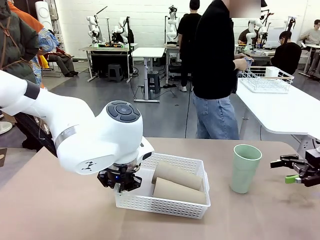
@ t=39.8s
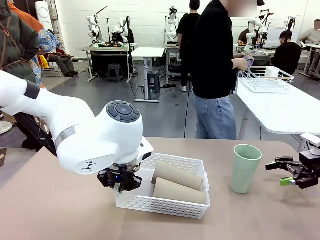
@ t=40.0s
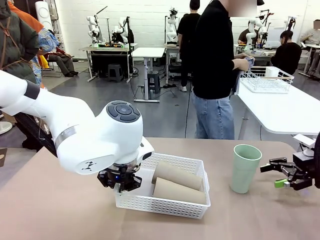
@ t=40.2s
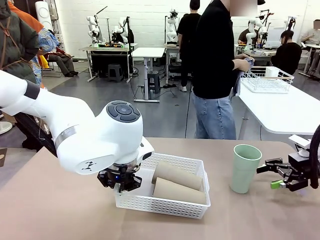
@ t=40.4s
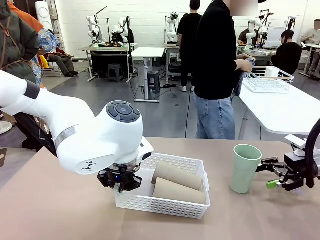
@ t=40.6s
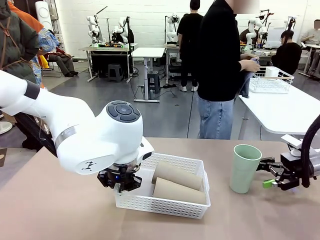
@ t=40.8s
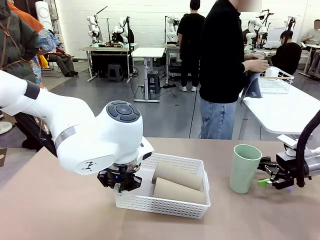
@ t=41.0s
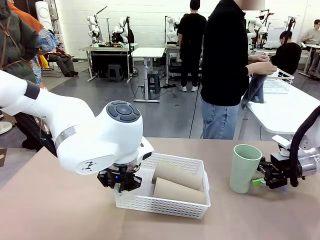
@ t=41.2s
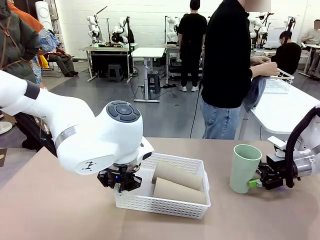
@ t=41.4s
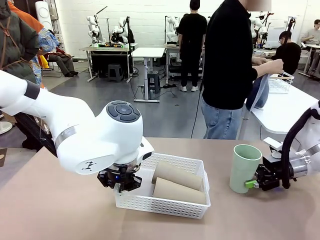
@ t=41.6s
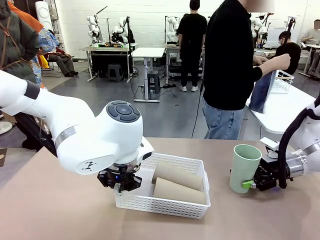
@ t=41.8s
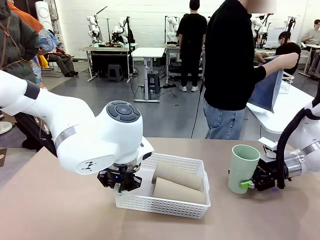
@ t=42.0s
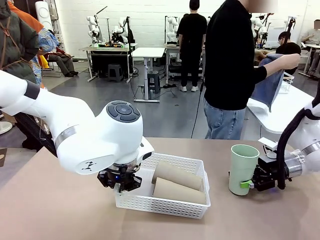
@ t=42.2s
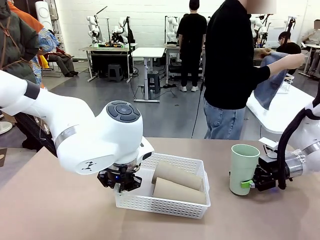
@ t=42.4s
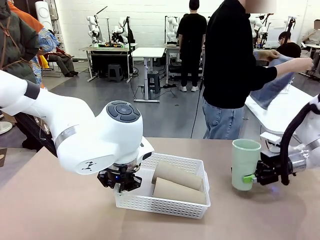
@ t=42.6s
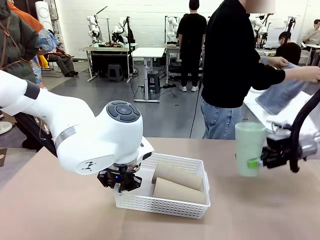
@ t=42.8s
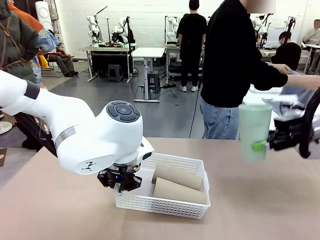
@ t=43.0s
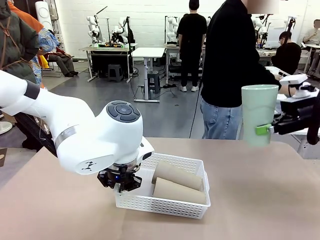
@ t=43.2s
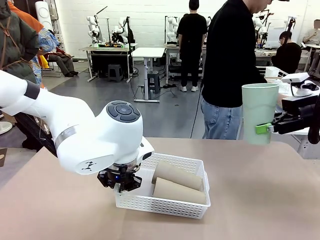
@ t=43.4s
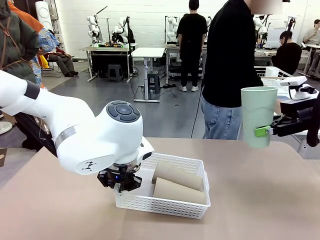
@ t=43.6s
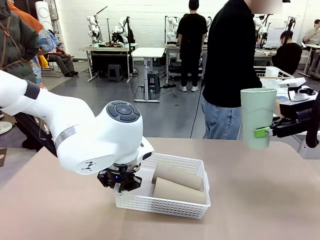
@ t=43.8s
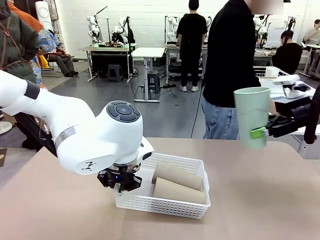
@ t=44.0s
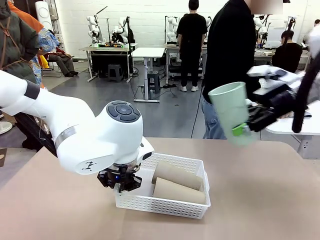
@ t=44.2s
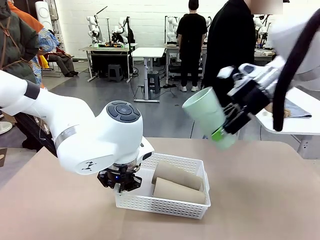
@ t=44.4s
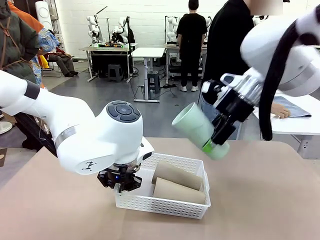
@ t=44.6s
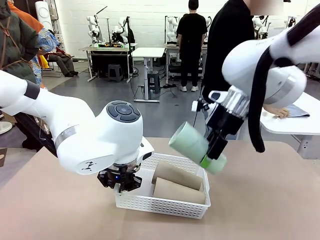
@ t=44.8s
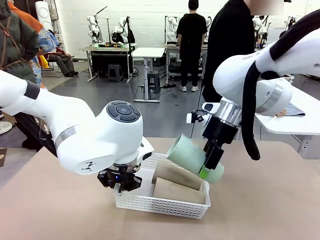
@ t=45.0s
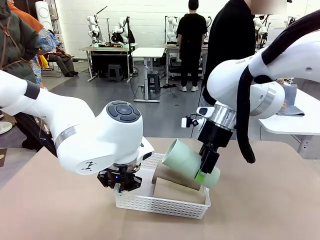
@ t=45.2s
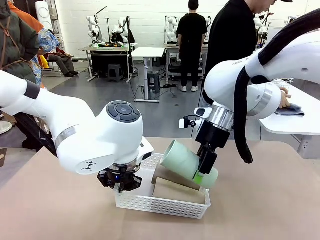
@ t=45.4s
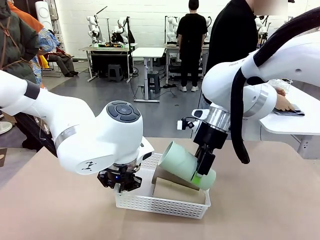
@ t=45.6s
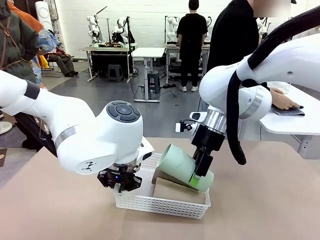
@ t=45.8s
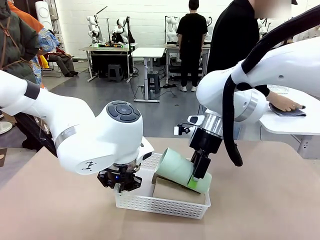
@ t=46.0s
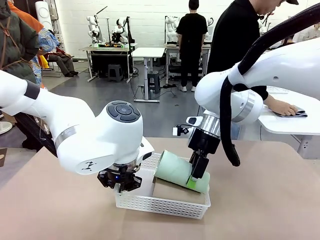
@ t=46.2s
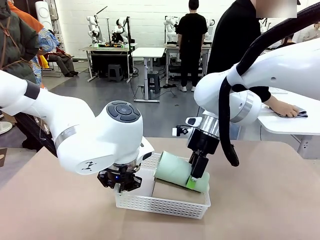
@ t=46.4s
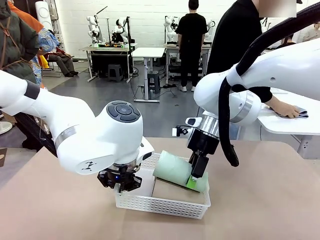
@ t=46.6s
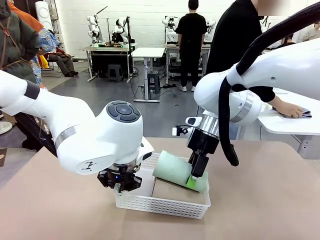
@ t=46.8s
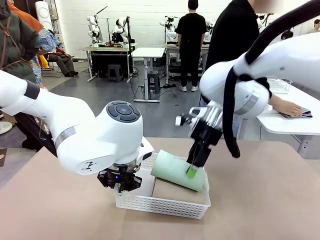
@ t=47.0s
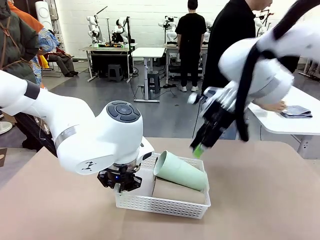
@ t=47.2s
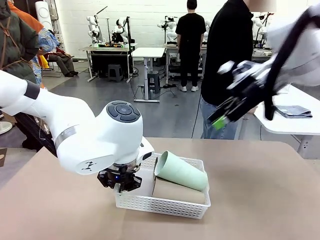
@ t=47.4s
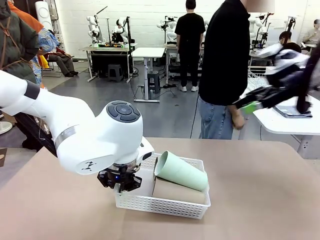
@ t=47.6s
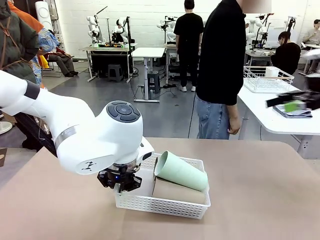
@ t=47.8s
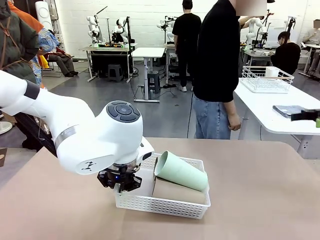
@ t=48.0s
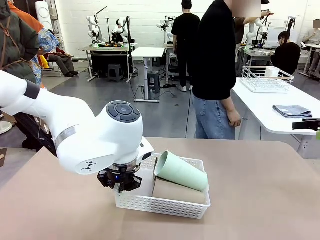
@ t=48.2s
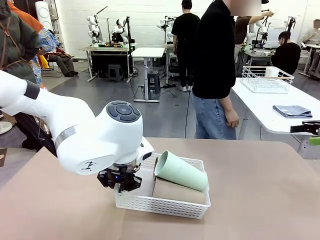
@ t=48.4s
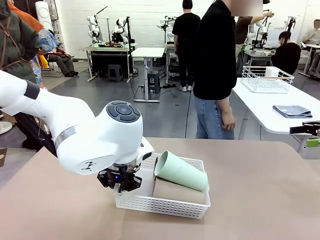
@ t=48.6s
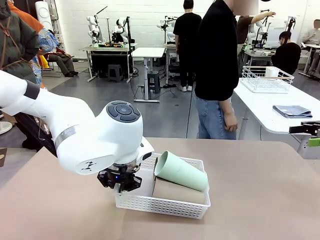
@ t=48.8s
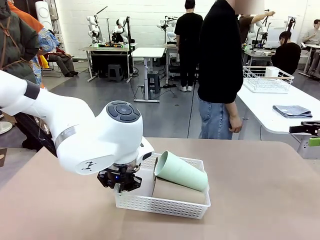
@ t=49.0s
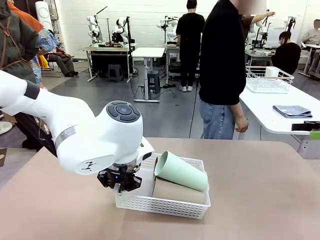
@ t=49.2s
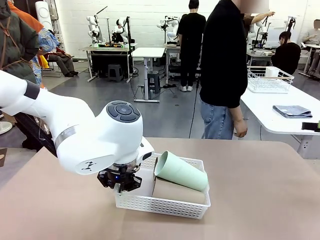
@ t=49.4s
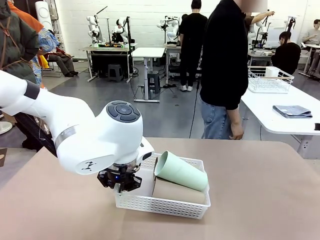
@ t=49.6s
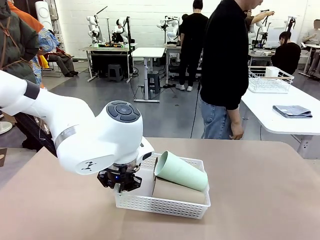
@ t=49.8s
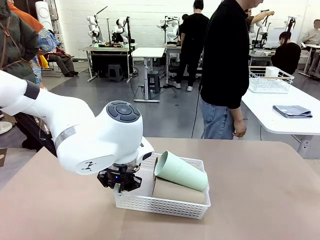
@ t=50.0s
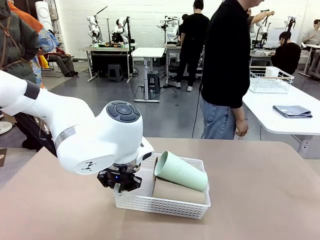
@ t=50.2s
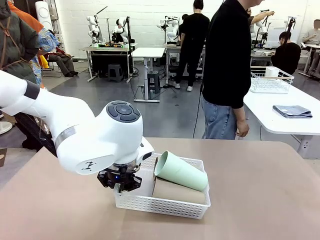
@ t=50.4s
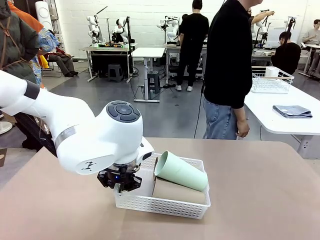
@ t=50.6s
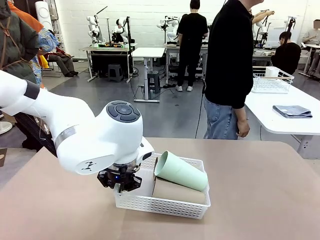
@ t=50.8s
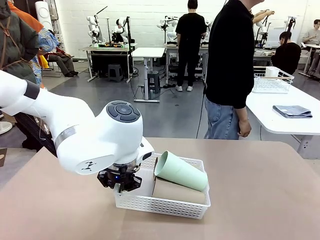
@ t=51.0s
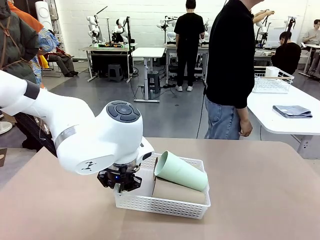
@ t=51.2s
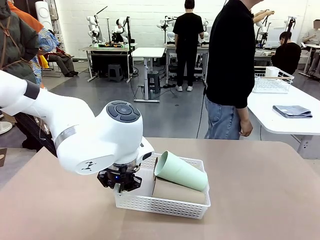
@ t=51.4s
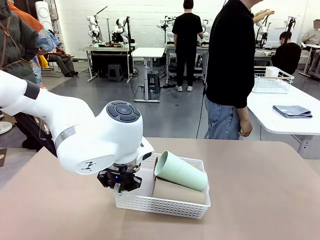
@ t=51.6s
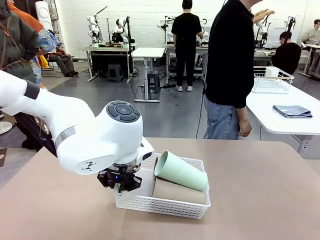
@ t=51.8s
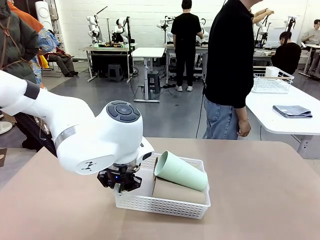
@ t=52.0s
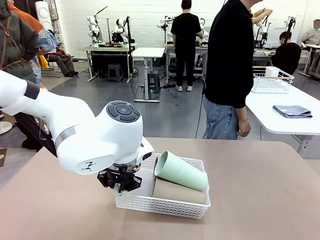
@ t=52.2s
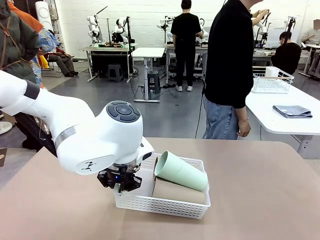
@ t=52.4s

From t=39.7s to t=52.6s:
Task: Clean and organize the cups into the basket.
Robot: Pick up the Reusable plastic cup from the right side of the table and stack it inside the Organizing basket in the center of the table.
Person: Folds the towel in half twice and places it in the right of the table.

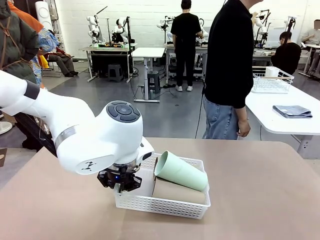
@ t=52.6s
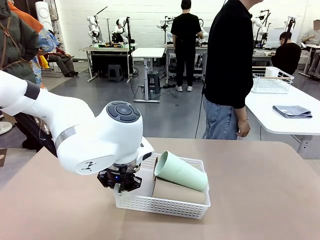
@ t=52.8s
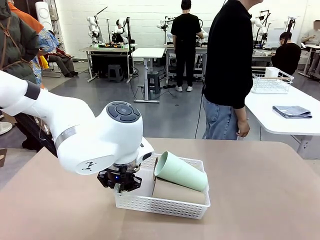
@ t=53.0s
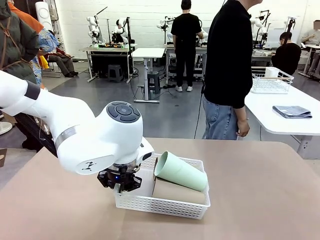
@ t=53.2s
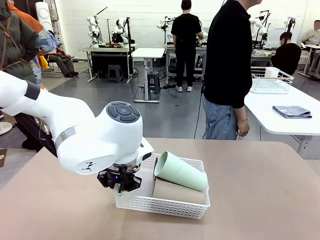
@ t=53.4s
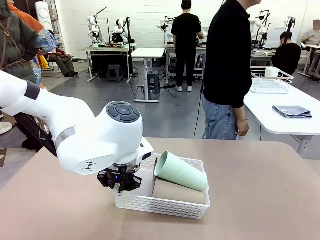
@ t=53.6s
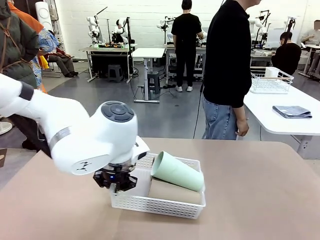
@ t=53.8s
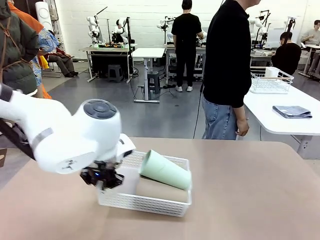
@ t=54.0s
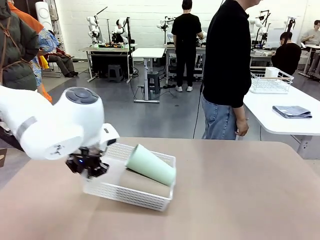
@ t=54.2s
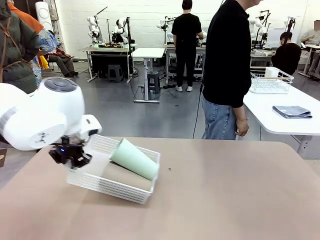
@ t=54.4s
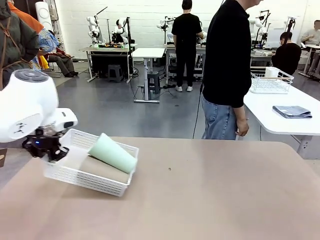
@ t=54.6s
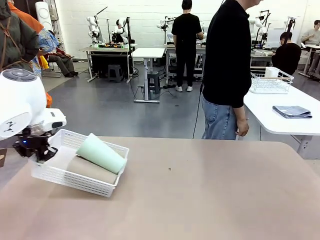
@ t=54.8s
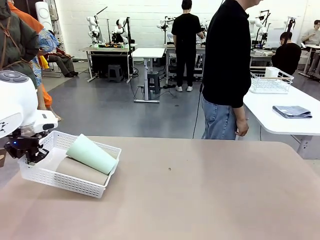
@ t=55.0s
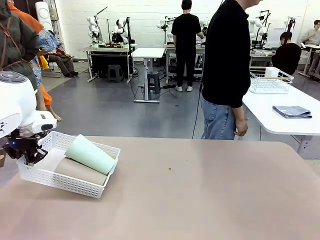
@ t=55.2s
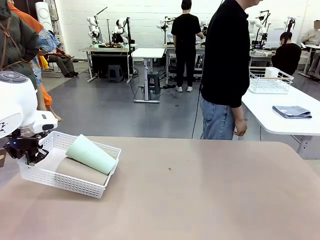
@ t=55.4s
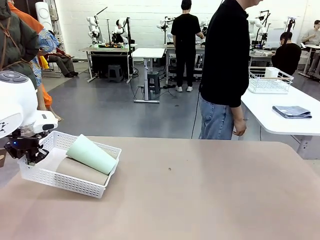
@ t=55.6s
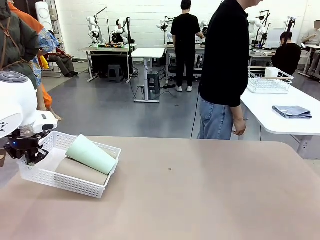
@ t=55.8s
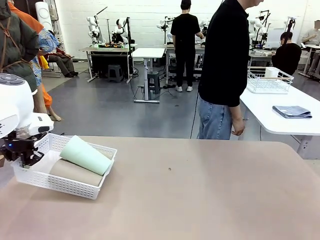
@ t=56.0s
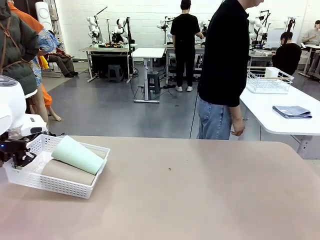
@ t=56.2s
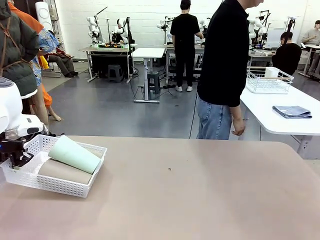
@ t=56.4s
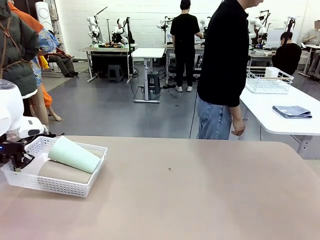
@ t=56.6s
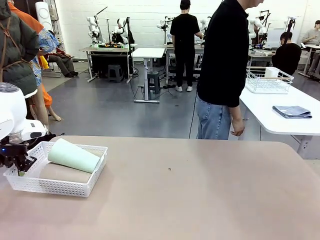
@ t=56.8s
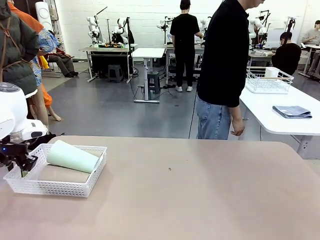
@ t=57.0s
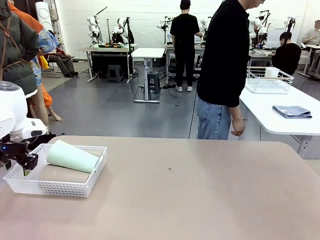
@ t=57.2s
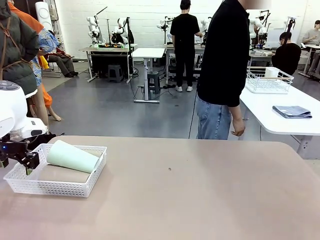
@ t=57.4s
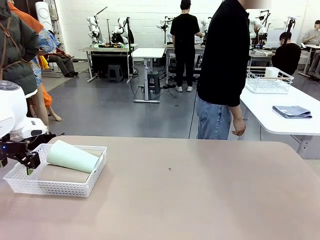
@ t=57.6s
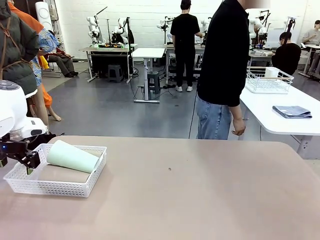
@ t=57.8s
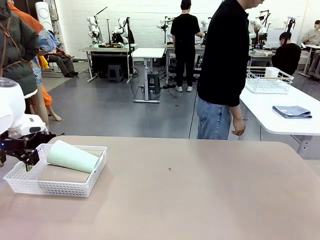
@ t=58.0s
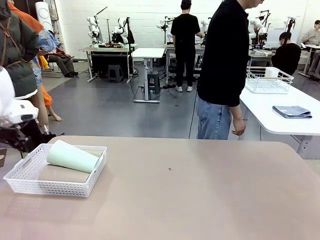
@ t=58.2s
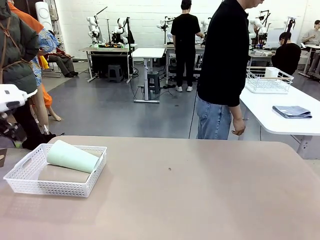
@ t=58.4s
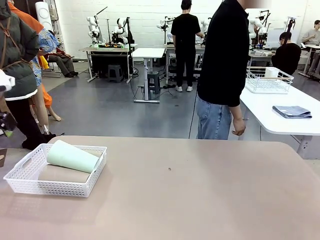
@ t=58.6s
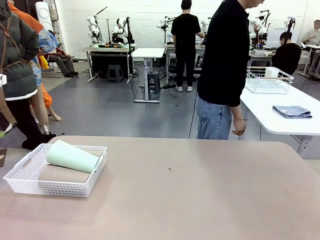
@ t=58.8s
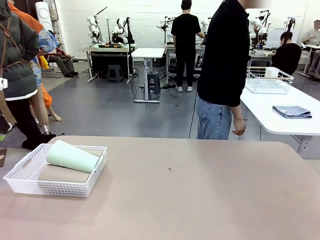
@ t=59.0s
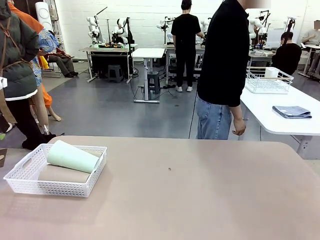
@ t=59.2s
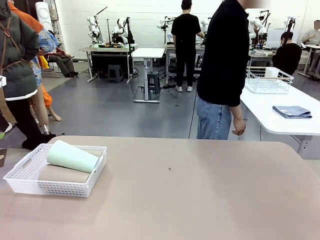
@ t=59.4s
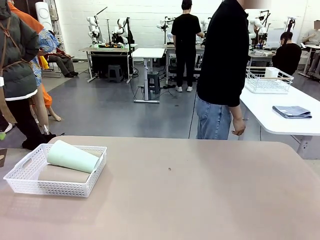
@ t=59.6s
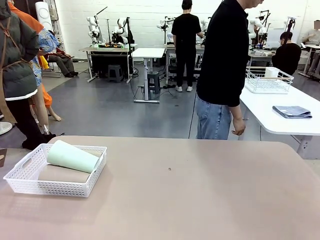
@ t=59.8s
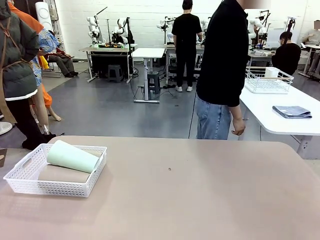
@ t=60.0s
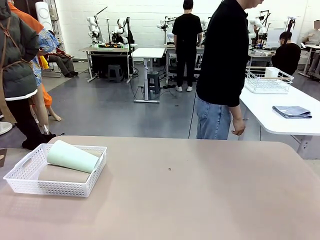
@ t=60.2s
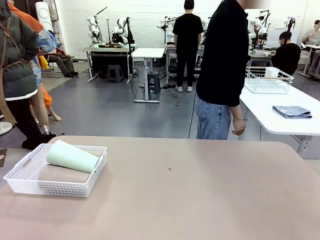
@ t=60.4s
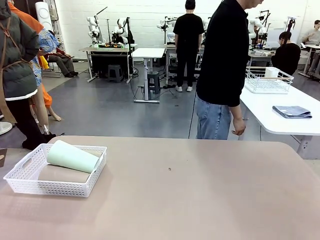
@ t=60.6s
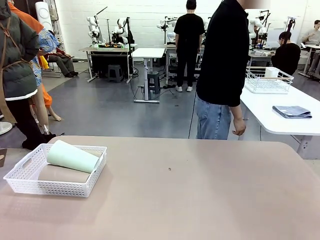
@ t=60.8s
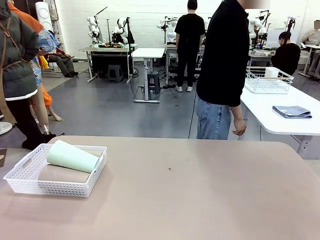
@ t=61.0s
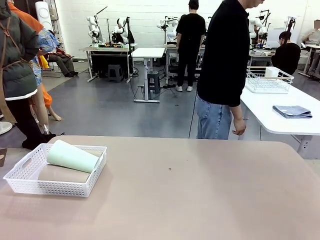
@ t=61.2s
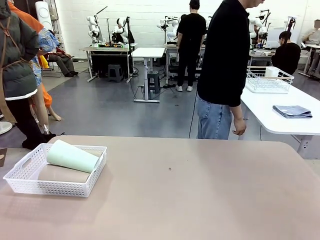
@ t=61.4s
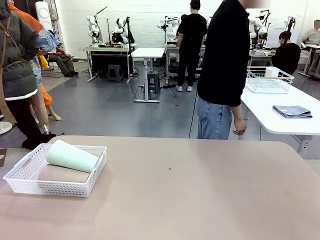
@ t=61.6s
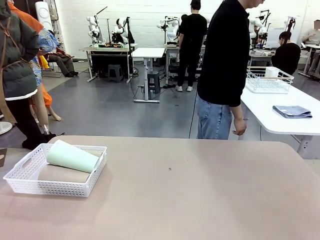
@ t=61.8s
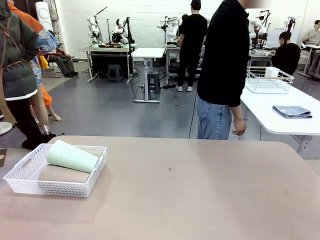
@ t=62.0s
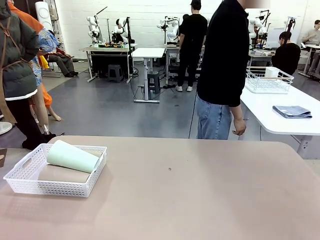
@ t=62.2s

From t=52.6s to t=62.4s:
Robot: Move the Organizing basket back to the left side of the table.
